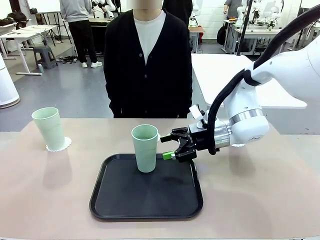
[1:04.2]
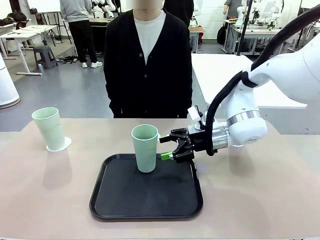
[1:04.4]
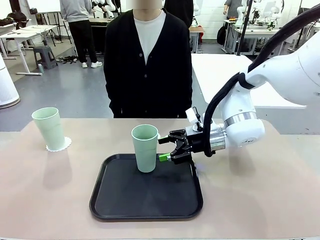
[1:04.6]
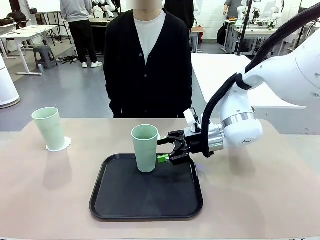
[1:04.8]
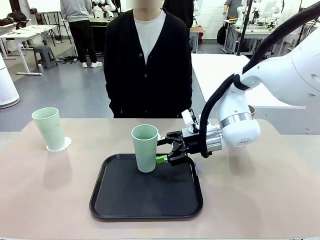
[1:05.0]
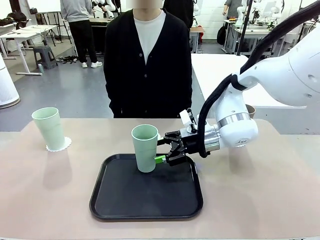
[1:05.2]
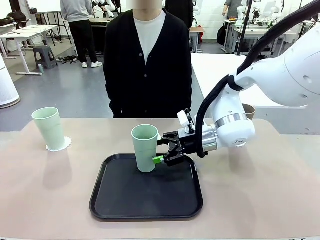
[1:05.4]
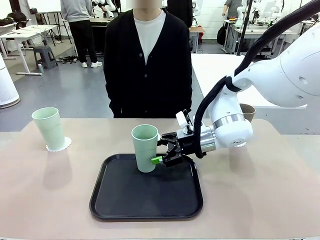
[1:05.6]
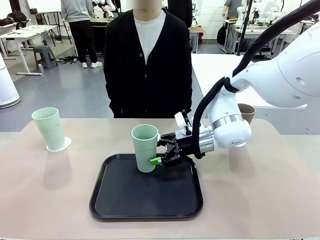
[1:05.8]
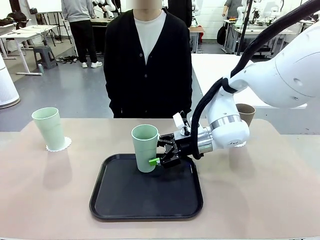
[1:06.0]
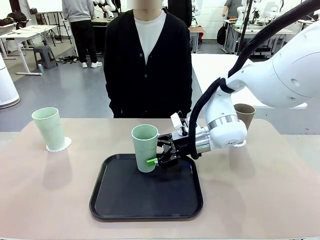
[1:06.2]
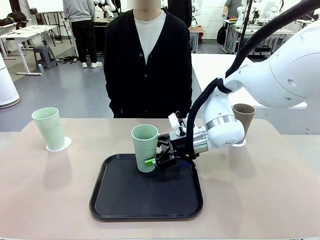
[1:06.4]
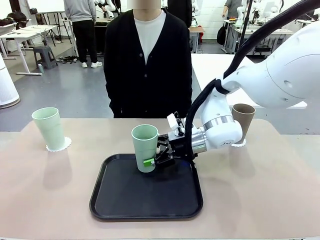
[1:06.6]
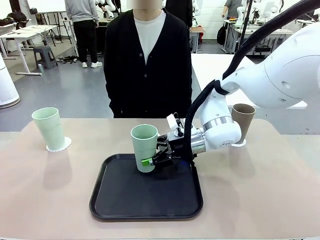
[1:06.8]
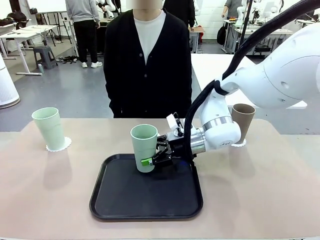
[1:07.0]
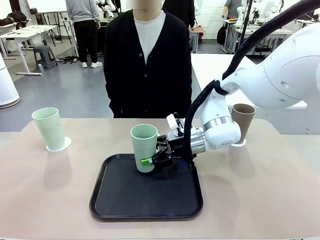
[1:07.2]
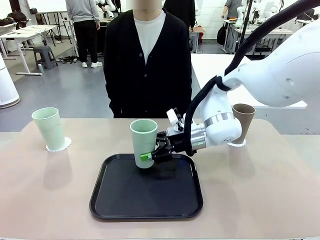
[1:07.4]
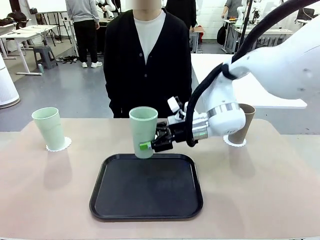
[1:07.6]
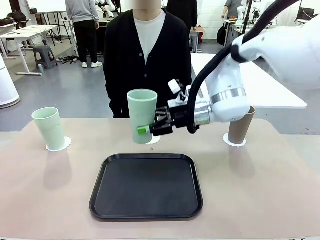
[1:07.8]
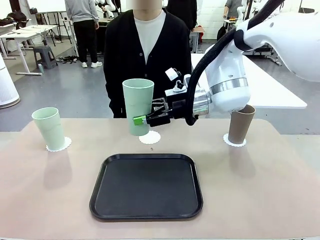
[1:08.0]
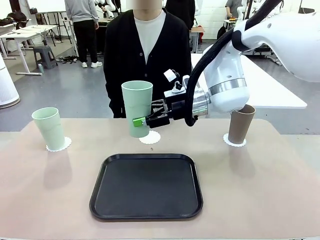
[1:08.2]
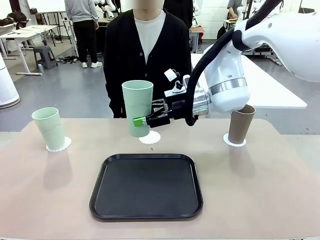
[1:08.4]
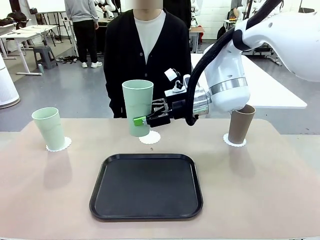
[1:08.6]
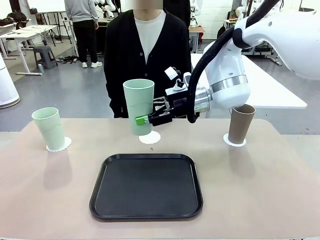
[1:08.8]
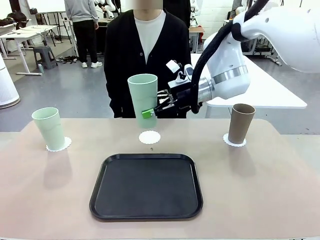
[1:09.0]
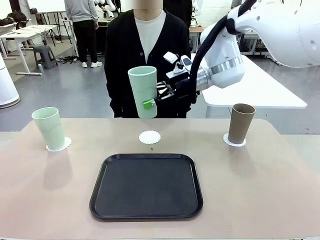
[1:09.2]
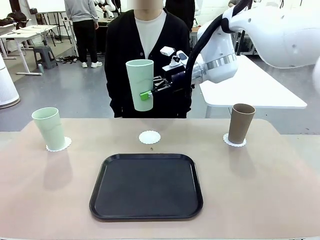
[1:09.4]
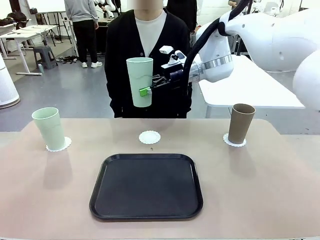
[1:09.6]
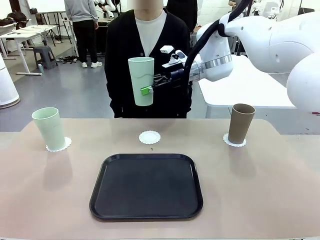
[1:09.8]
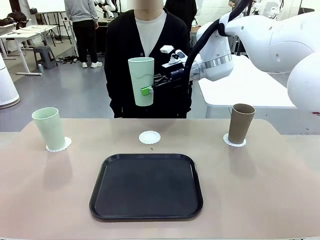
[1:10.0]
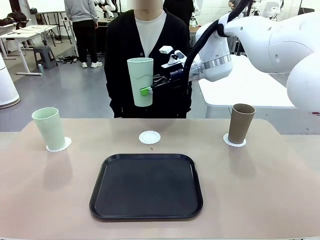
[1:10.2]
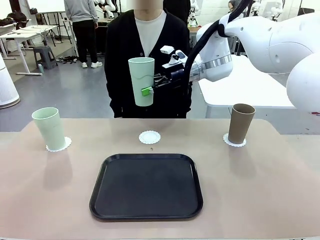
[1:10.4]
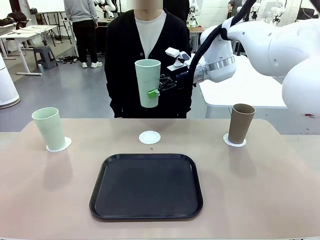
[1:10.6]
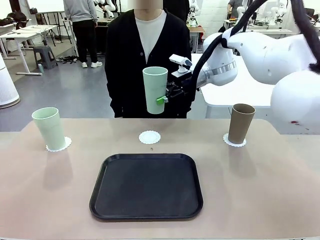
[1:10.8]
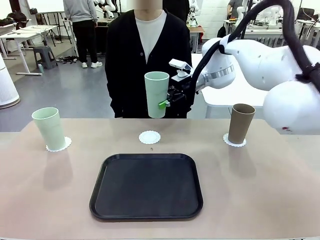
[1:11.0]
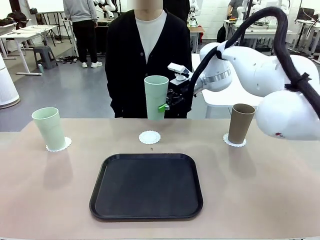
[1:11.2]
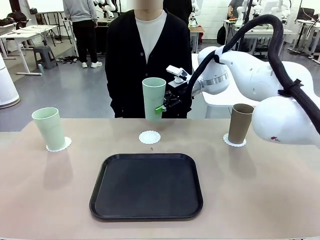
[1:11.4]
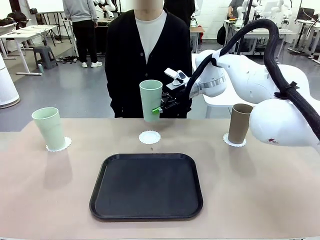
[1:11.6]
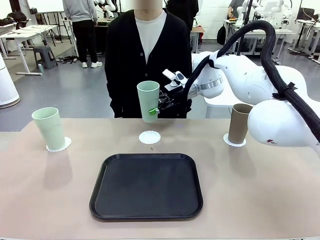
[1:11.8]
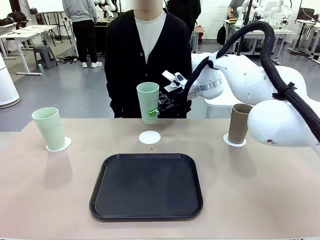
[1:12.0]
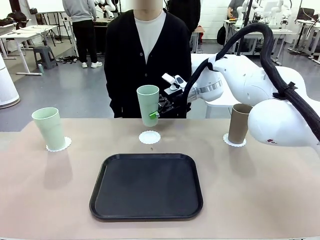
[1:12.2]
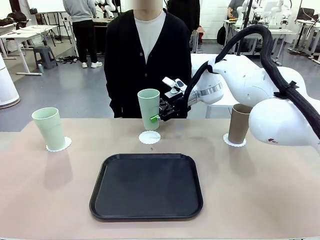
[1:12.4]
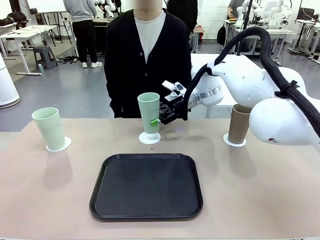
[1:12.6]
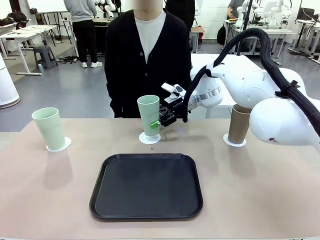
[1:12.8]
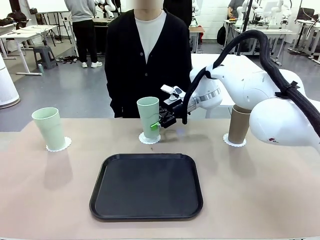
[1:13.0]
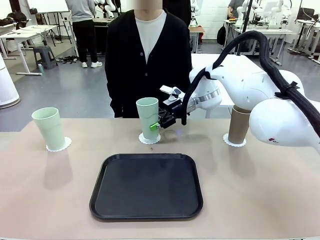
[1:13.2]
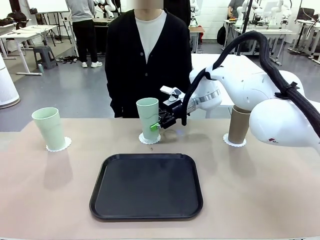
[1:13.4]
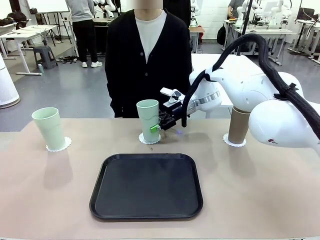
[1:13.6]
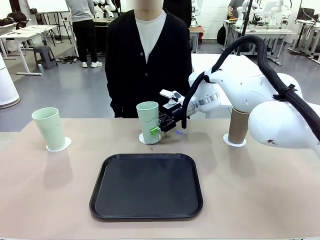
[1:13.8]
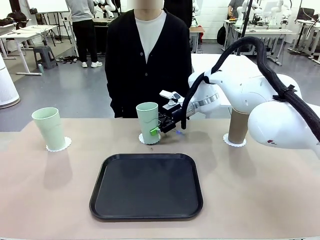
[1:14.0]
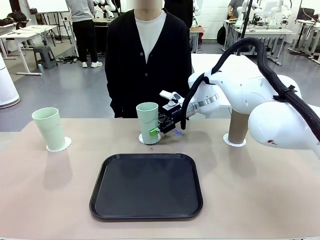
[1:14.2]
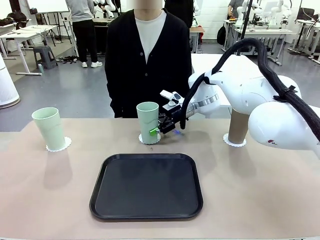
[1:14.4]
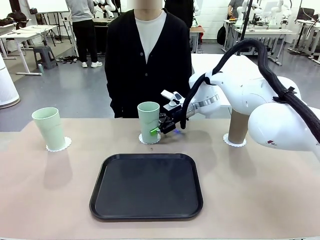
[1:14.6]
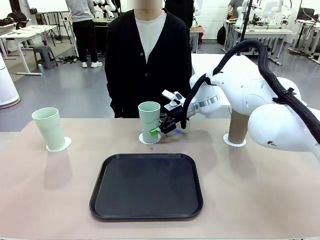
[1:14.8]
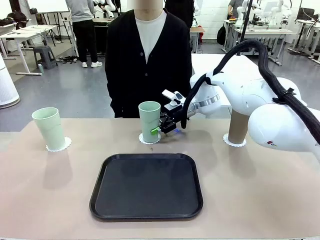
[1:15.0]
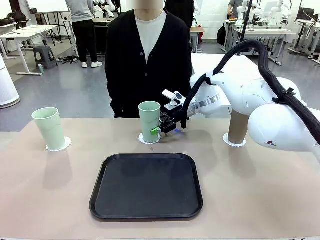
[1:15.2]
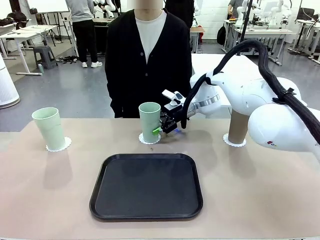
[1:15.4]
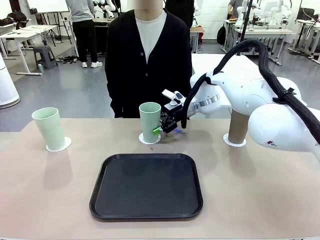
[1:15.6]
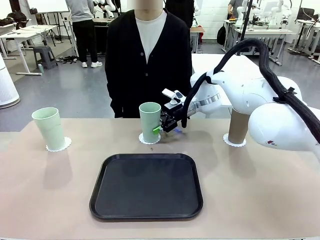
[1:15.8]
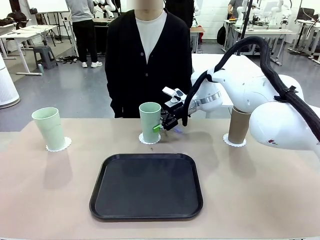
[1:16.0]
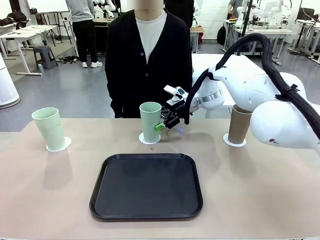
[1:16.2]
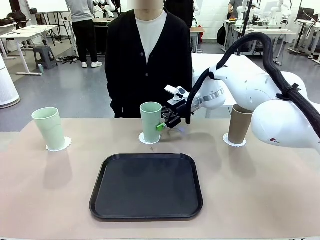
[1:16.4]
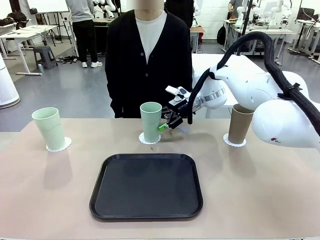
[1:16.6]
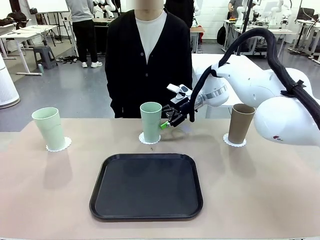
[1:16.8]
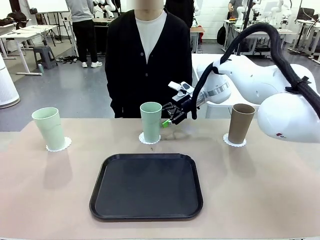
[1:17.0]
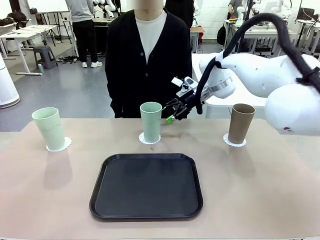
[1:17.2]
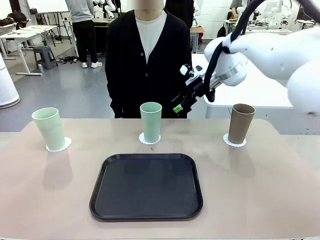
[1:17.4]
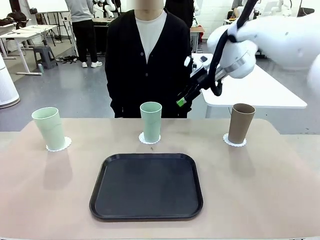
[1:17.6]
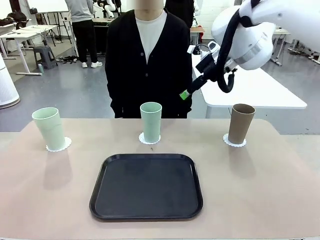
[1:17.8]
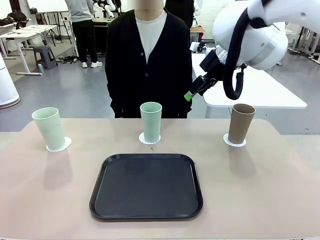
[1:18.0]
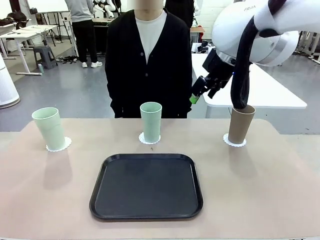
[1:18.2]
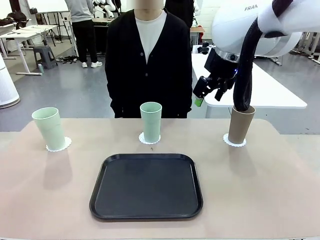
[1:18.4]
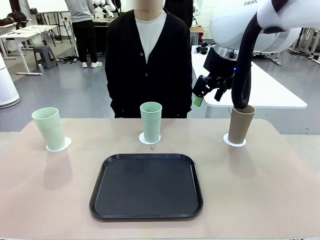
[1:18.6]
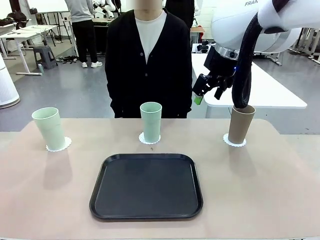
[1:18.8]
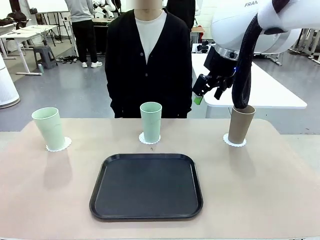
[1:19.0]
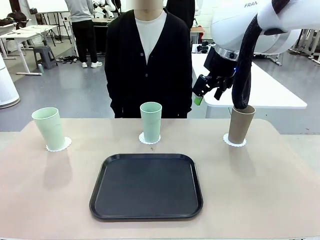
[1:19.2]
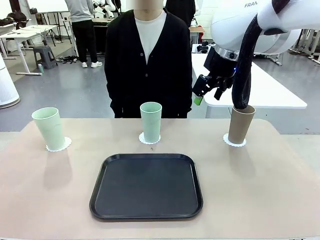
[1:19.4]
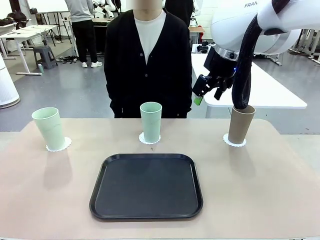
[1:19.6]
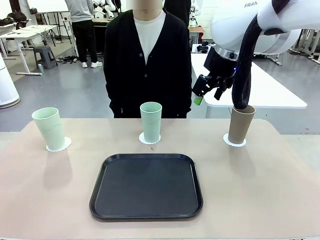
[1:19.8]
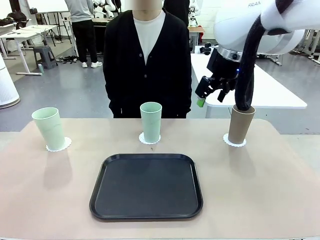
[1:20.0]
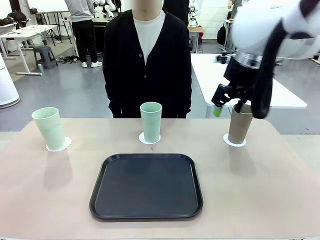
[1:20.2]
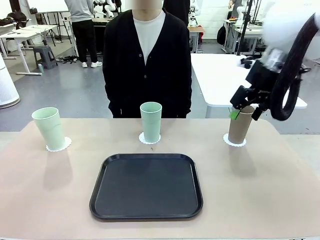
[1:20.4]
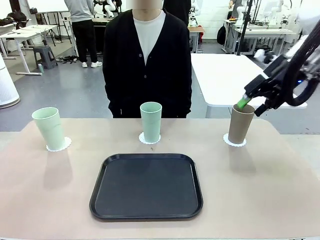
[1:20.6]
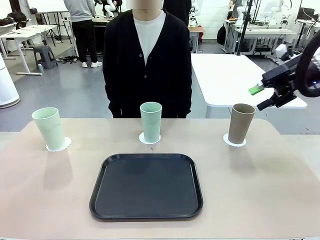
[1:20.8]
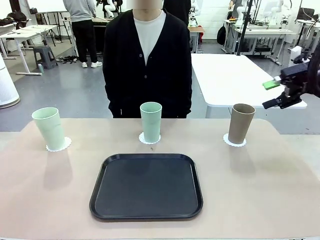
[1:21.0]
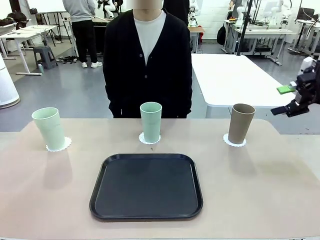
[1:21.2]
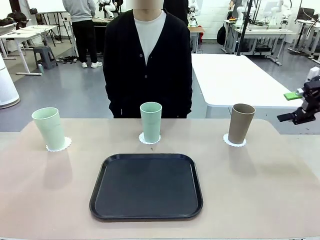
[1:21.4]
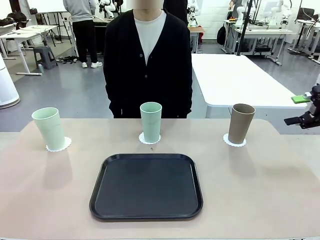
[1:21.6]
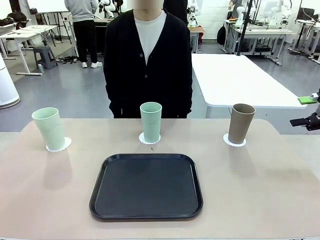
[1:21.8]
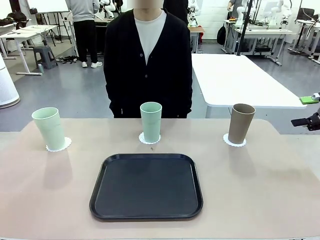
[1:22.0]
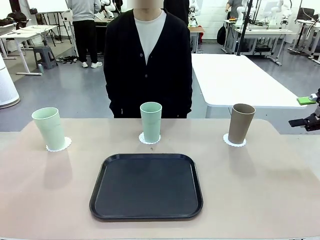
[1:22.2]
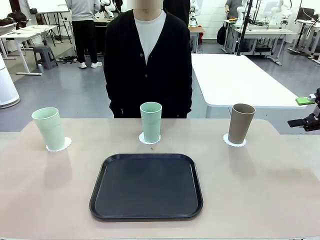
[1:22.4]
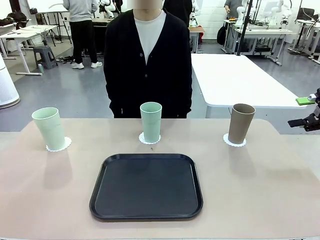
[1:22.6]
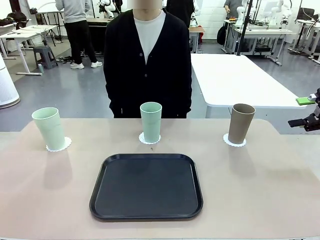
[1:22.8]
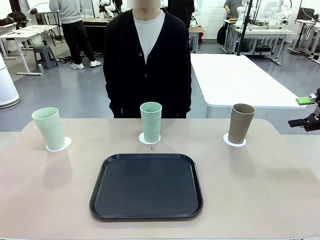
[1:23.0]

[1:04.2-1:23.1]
Task: Place coasters on the table and set cups on them.
Robot: Take one Reusable plastic cup from the Flat Tray and place it on a coaster set by the human.
